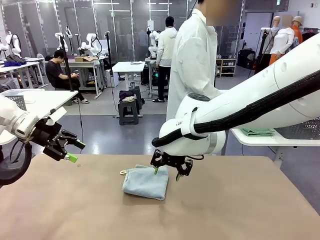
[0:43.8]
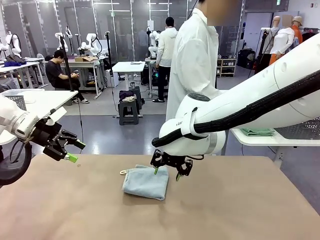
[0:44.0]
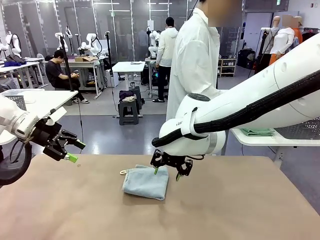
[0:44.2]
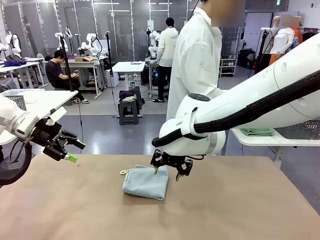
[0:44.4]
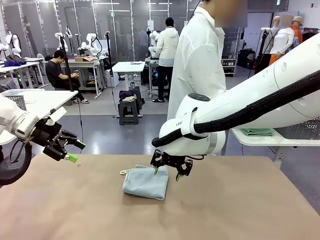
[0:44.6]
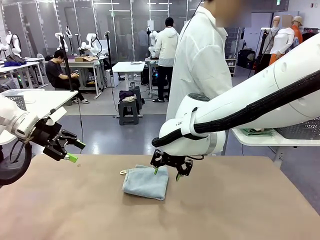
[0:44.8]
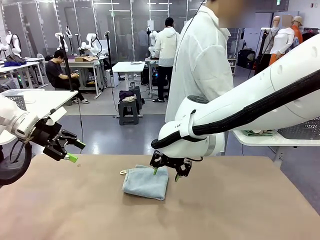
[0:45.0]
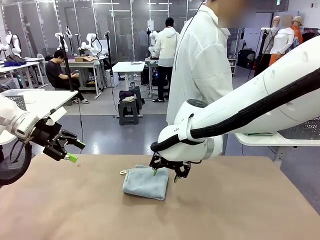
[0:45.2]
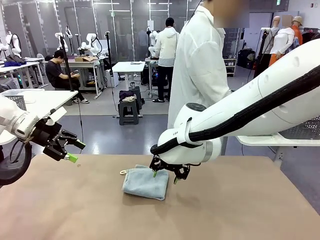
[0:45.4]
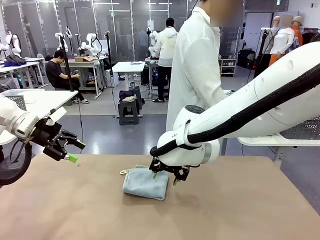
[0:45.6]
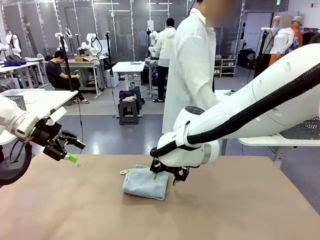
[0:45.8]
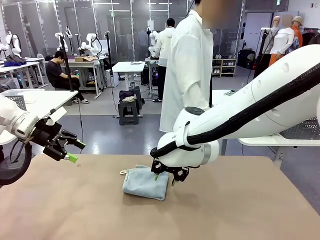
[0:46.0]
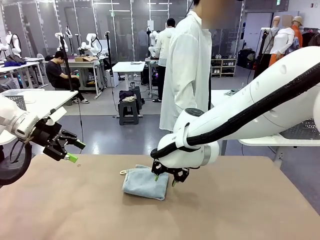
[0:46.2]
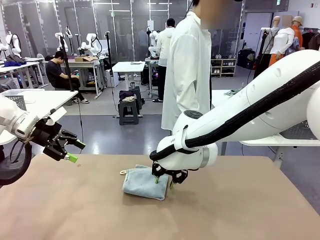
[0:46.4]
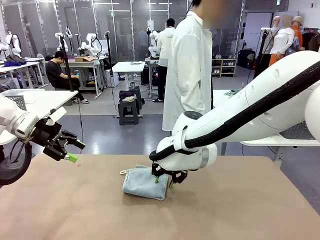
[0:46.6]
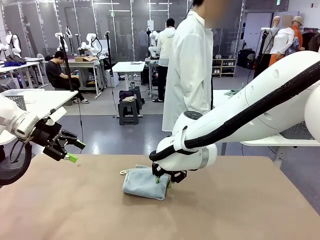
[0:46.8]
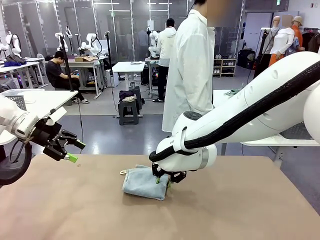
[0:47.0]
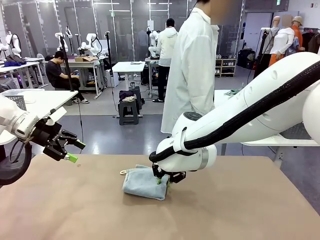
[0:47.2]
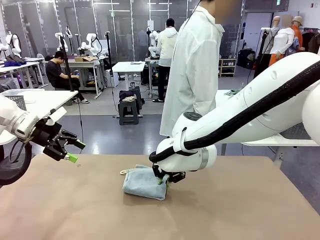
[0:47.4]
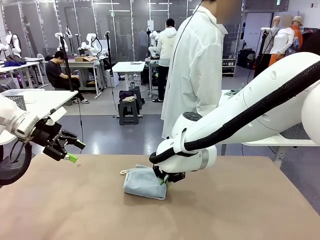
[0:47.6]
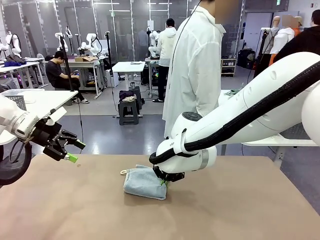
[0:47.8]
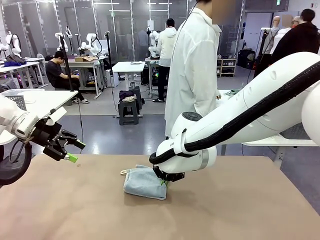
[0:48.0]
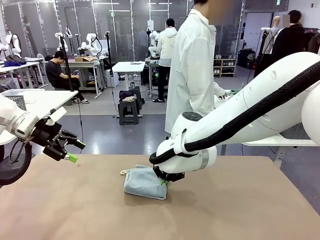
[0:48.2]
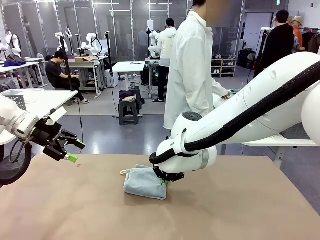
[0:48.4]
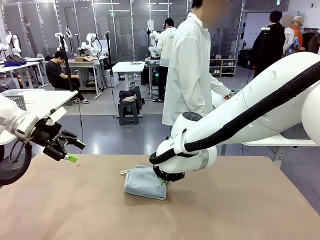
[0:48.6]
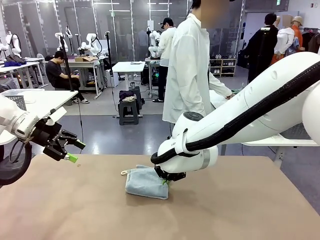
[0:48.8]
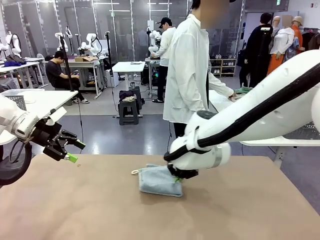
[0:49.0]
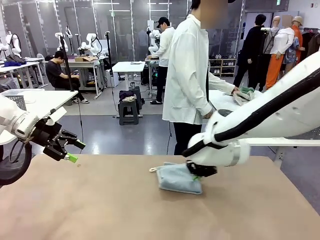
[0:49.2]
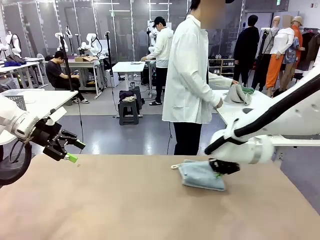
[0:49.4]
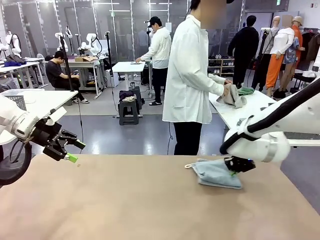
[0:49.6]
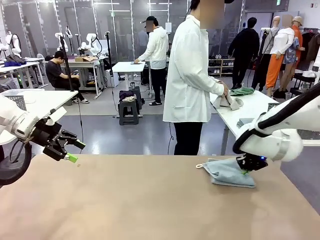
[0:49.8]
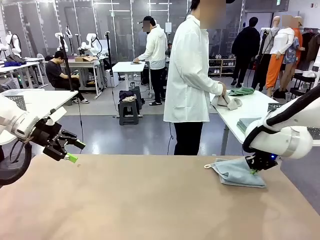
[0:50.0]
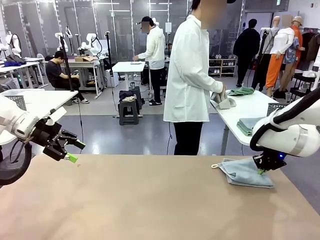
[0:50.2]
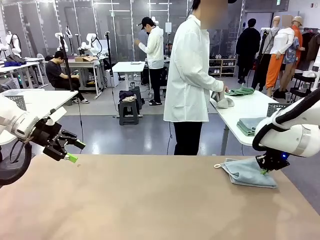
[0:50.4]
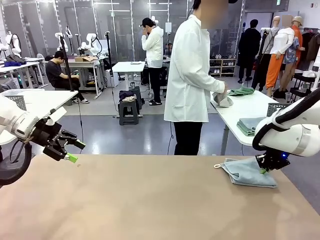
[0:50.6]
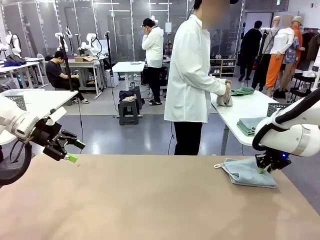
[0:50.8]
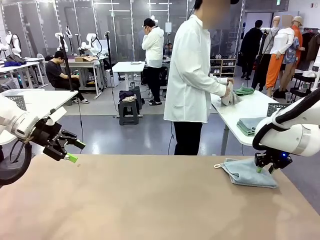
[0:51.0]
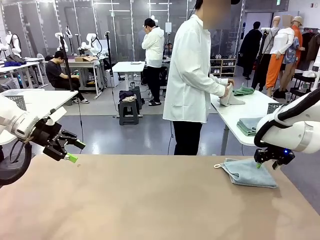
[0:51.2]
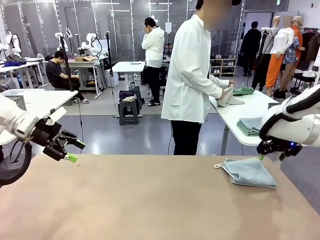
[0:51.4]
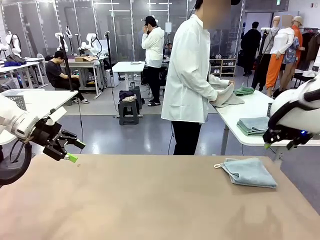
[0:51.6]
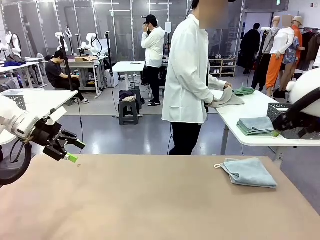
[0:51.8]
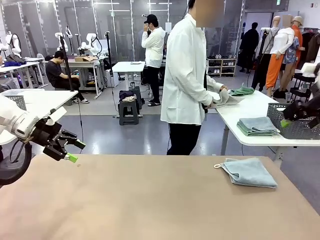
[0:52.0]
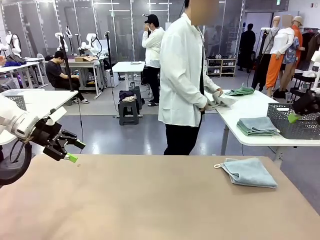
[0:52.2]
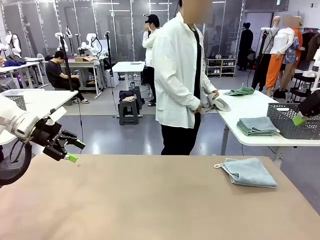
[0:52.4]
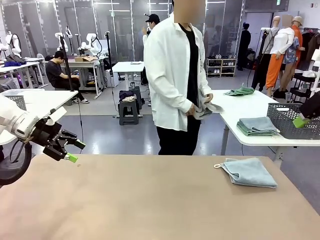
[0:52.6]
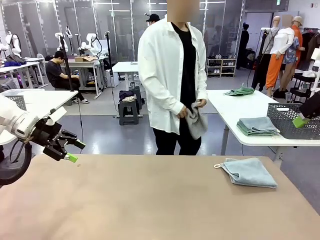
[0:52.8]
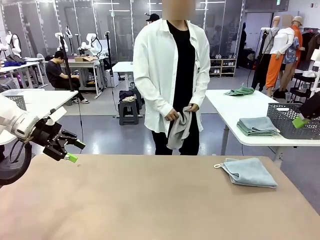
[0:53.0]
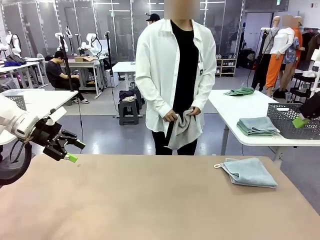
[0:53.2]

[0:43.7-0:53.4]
Task: Fold the towels and place them in the basket.
Robot: Place the folded Towel with hook on the right side of the table.
Person: Pick up one towel from the left side of the human table and spread it out at the center of the robot table.

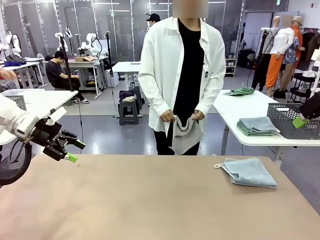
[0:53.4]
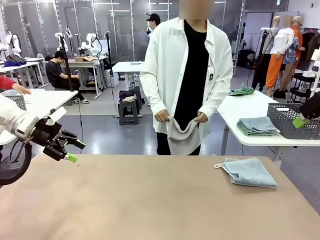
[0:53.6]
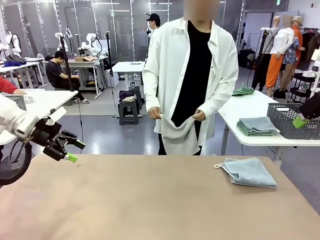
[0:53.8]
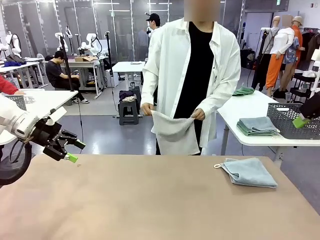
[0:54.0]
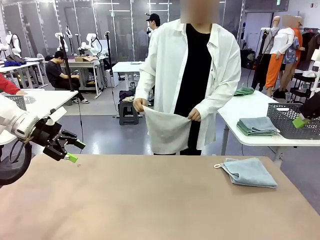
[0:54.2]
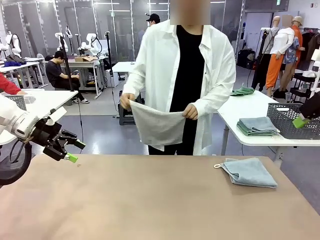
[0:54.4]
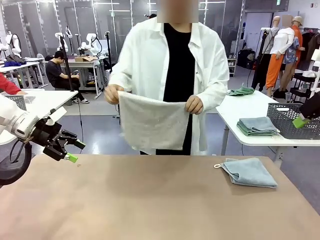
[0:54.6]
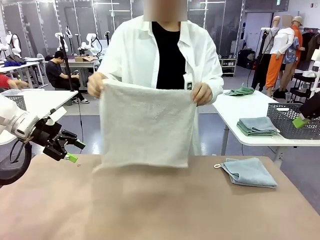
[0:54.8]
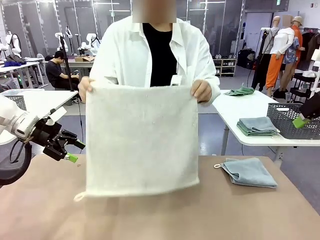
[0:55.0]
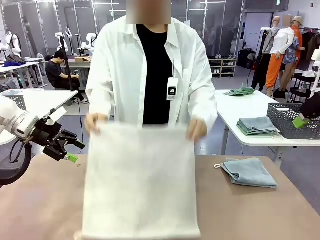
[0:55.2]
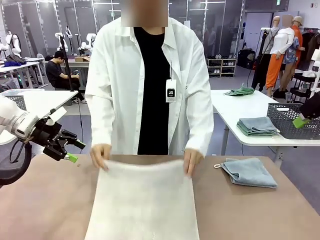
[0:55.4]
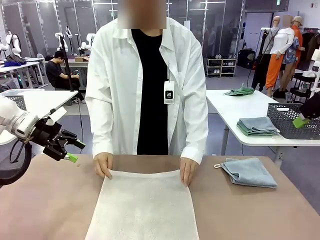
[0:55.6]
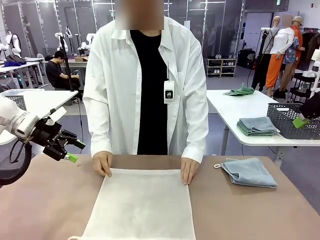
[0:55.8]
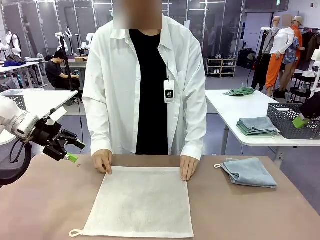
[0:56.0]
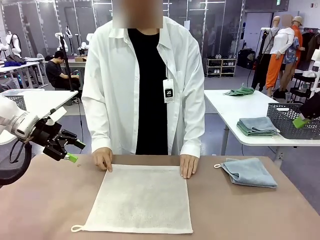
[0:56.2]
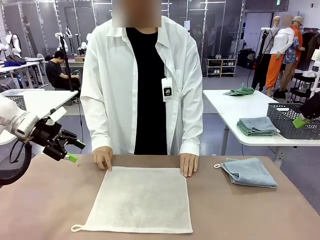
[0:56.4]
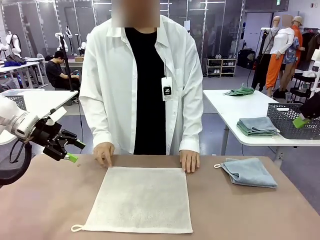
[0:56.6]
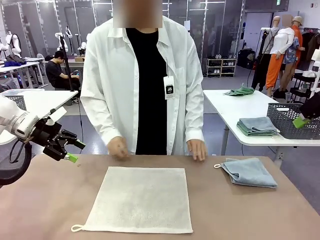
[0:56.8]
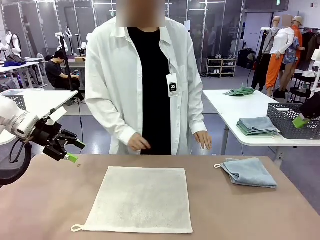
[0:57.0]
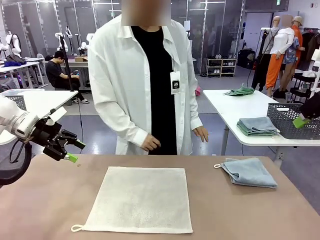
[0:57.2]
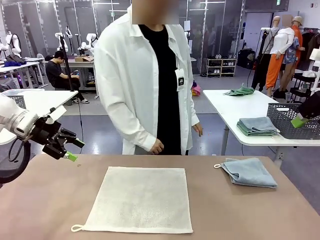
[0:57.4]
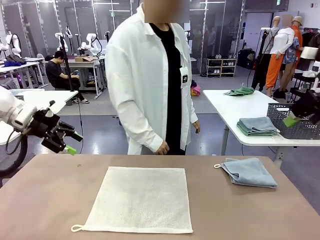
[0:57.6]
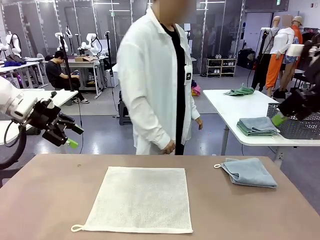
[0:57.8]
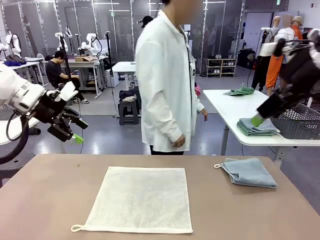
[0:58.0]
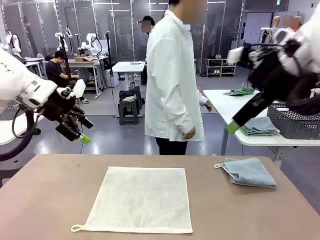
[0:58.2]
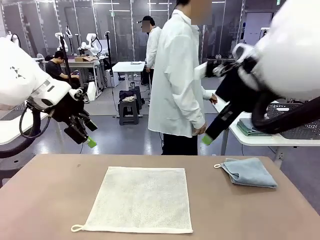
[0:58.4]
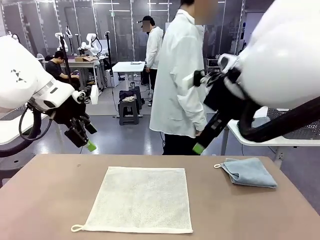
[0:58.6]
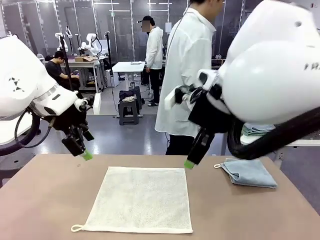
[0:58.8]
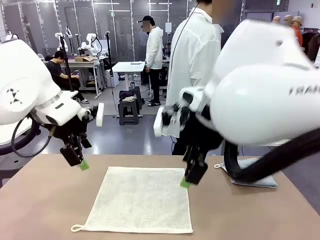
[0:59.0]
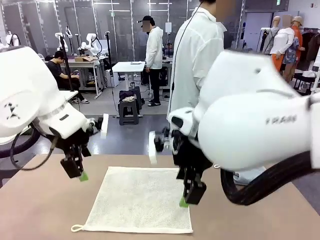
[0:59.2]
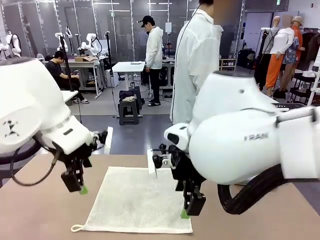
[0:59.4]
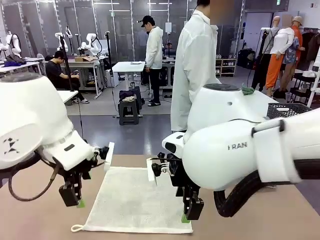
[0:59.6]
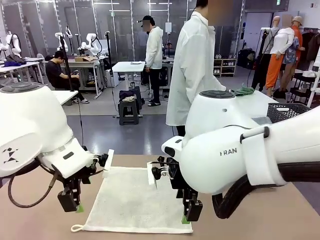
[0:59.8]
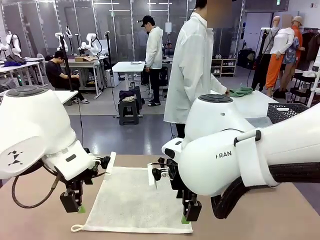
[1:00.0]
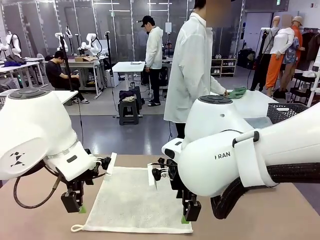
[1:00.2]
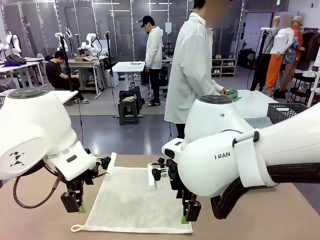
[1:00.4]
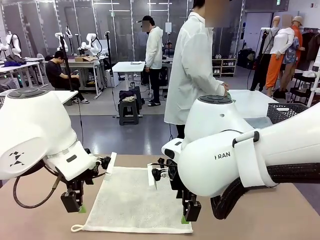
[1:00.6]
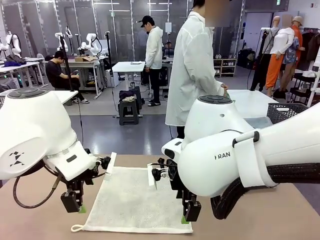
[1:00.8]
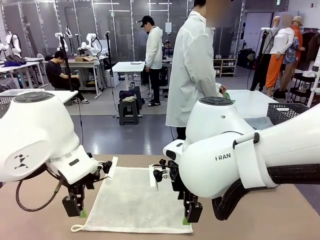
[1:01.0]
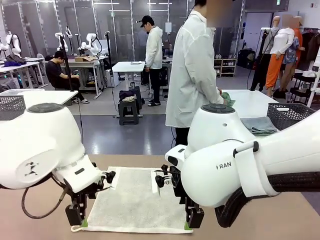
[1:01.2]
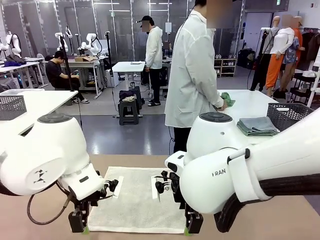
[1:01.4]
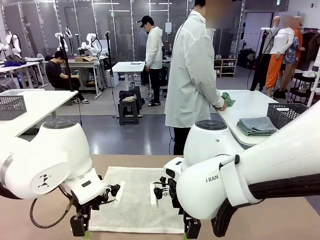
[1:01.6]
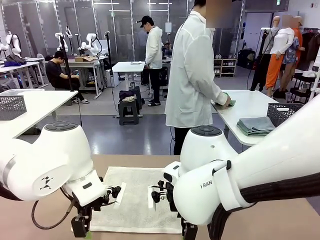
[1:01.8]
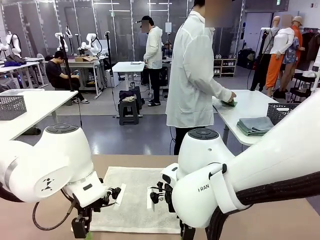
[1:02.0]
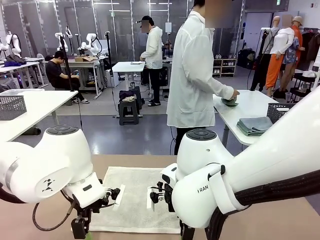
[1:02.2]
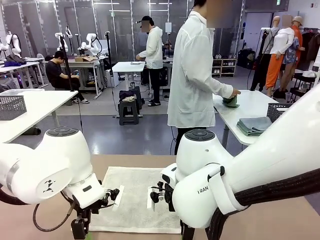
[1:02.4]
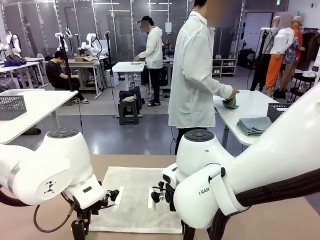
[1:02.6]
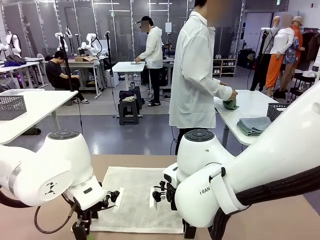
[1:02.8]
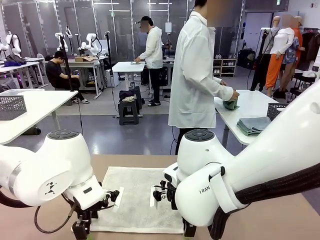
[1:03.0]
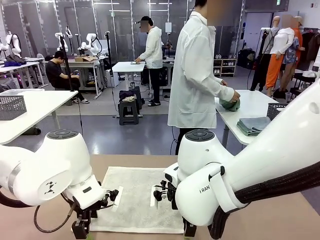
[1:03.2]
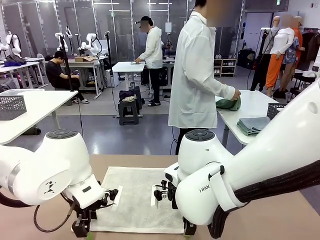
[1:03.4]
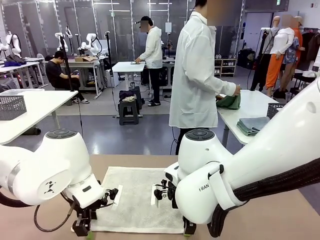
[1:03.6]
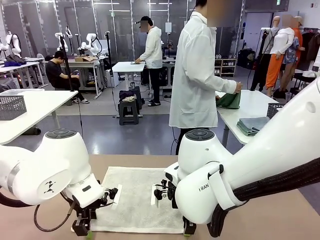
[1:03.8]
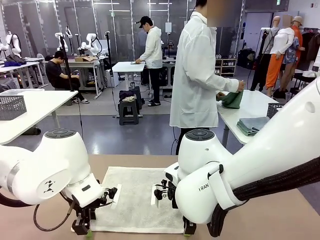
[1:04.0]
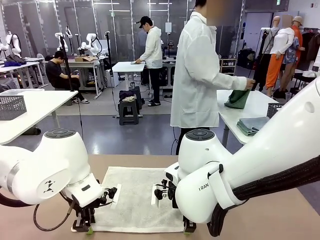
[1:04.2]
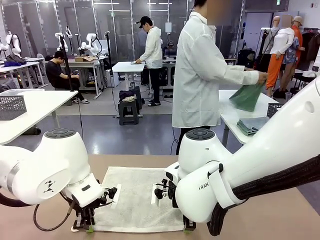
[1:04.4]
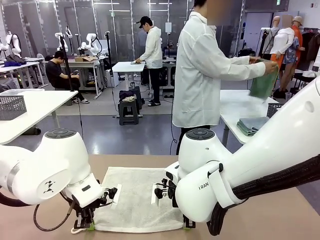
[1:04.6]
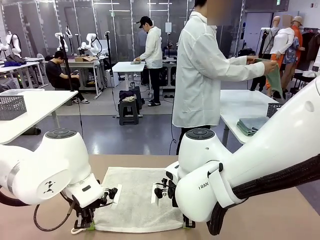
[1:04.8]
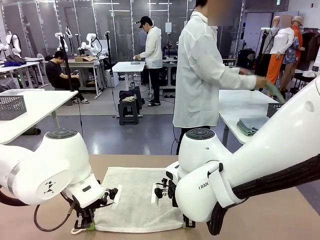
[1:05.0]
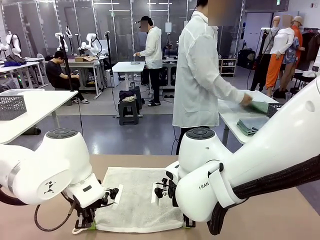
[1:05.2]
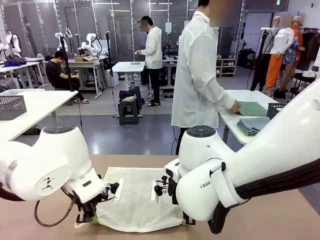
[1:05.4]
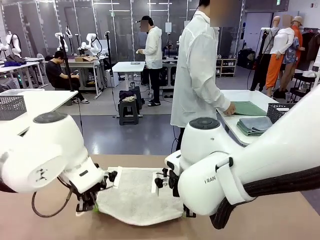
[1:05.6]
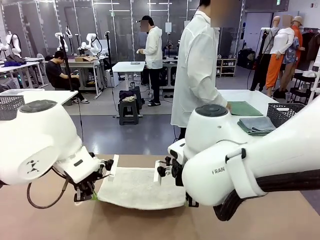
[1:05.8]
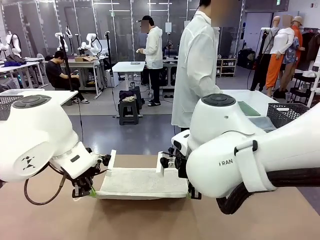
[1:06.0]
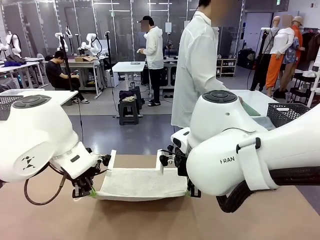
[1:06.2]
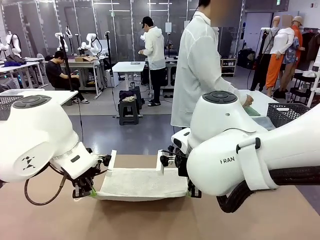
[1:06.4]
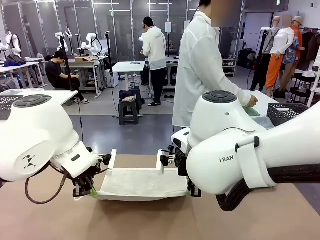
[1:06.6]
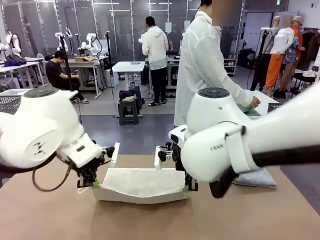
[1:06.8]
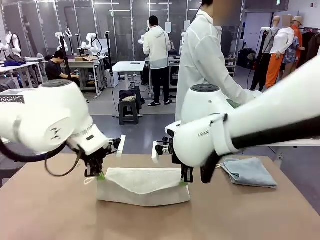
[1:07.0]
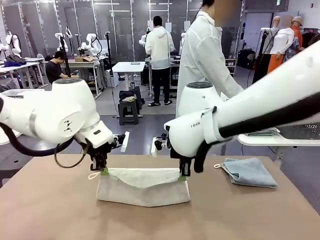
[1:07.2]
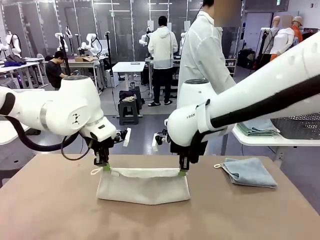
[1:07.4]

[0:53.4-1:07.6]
Robot: When a person lays out a Towel with hook on the table, fold it in half twice.
Person: Pick up one towel from the left side of the human table, fold it in half twice, and stack it on the right side of the table.
